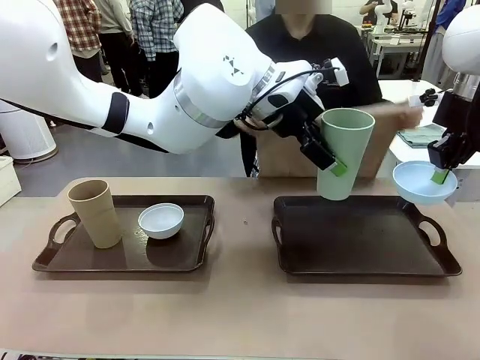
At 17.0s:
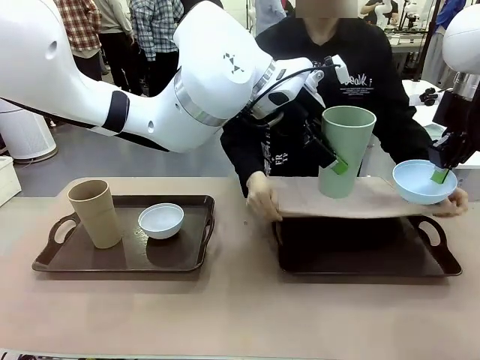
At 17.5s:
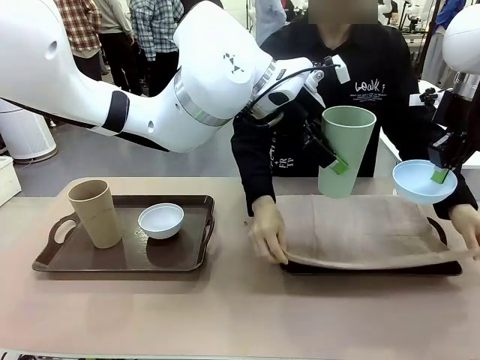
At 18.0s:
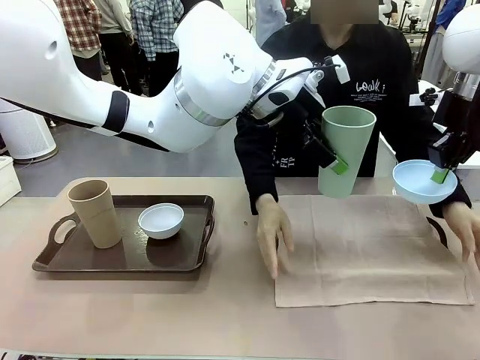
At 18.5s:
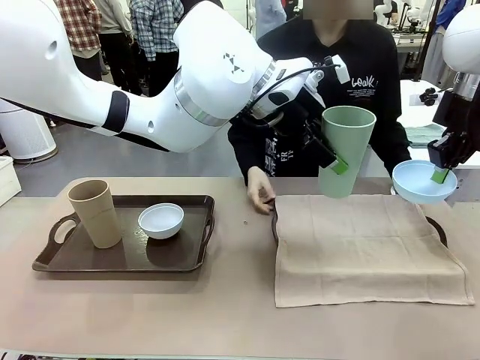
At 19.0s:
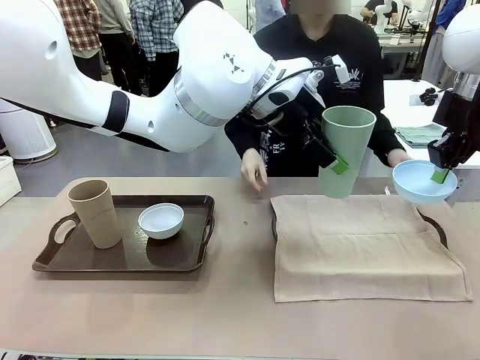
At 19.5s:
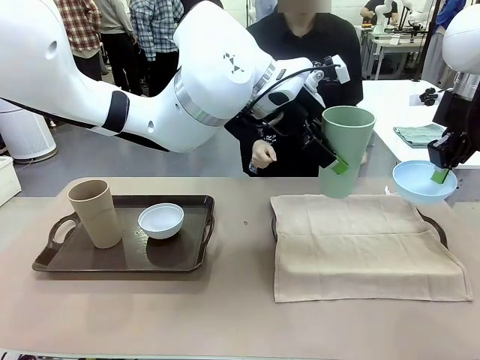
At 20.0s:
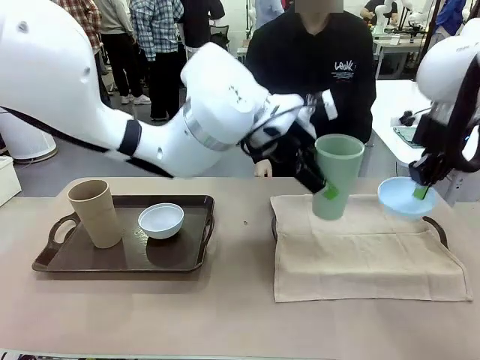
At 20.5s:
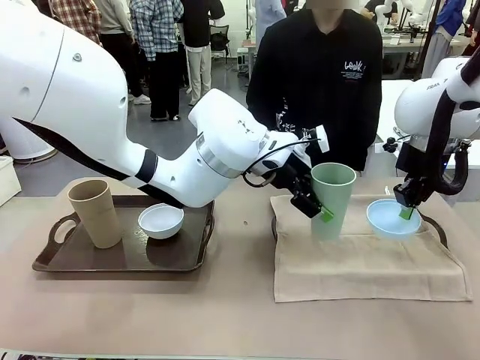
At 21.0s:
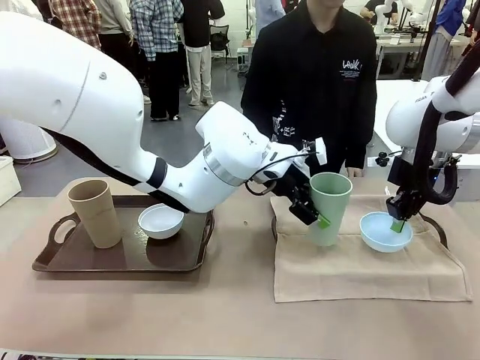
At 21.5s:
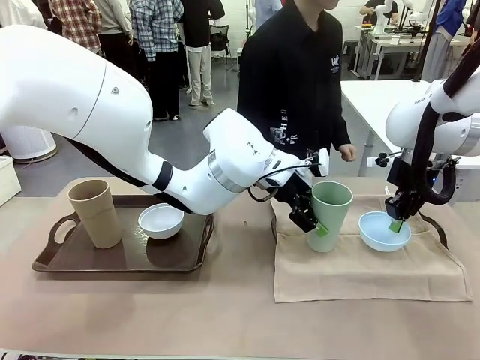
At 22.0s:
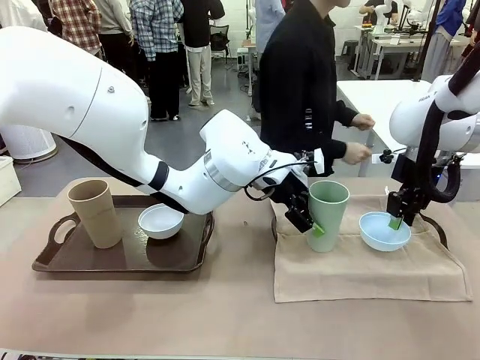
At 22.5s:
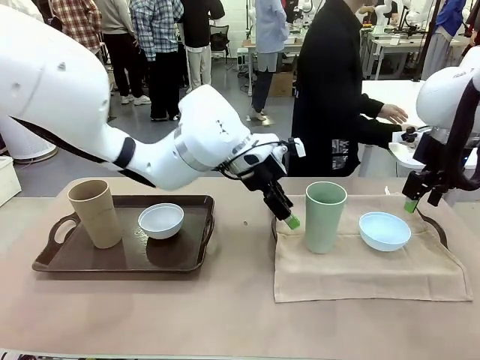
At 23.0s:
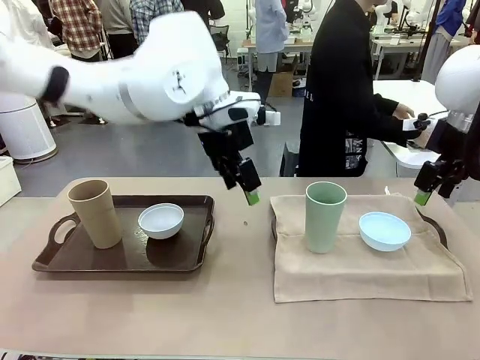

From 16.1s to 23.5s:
Robot: Place the Picnic Bowl and Reusable plastic cup back onto the Handle tray in front of the human's position.

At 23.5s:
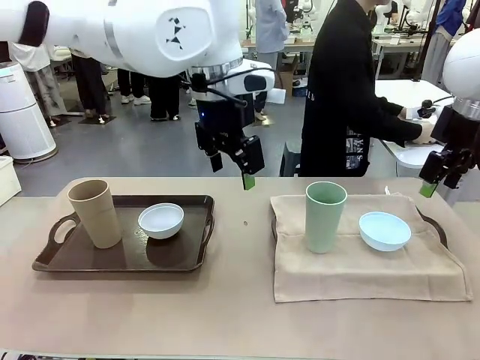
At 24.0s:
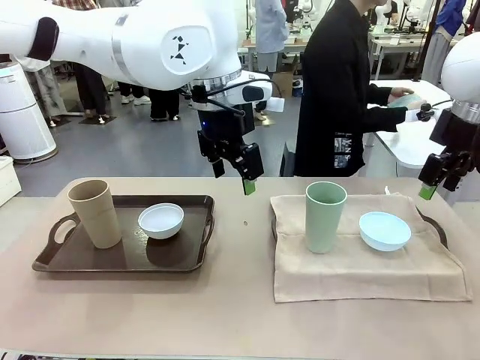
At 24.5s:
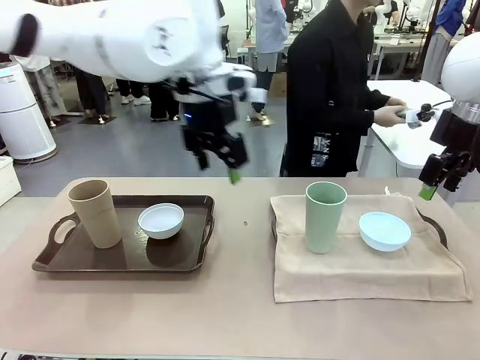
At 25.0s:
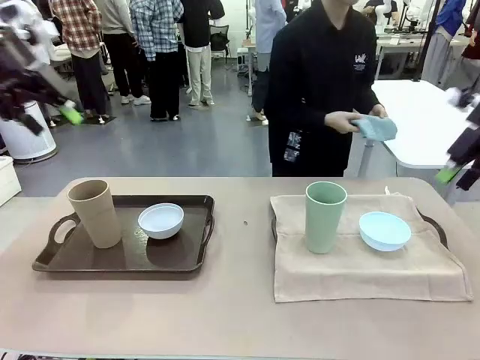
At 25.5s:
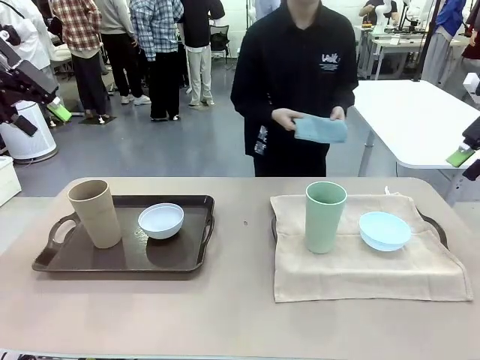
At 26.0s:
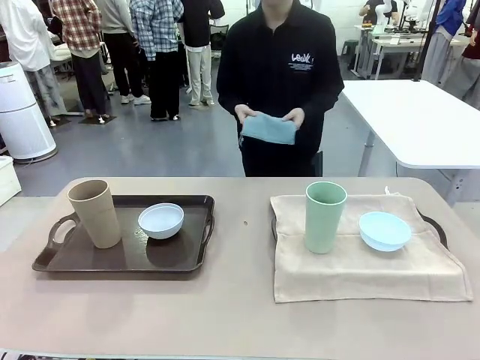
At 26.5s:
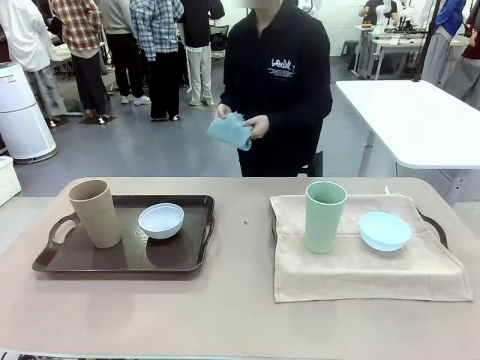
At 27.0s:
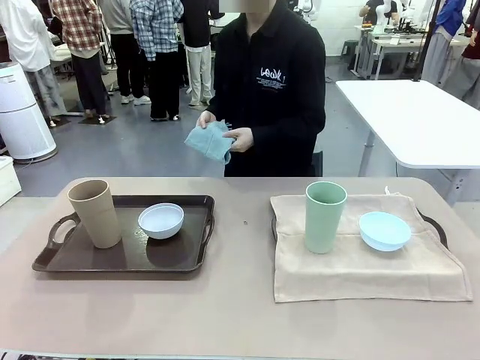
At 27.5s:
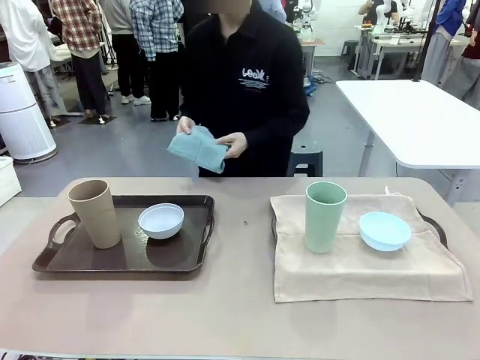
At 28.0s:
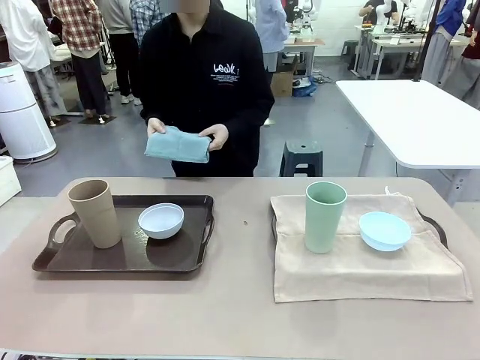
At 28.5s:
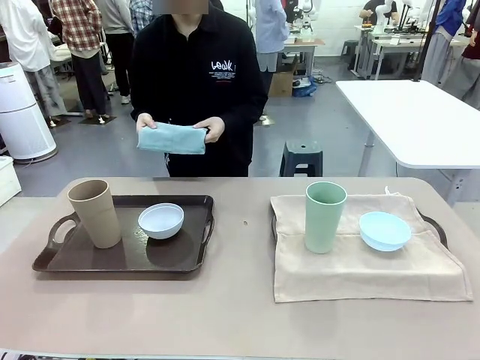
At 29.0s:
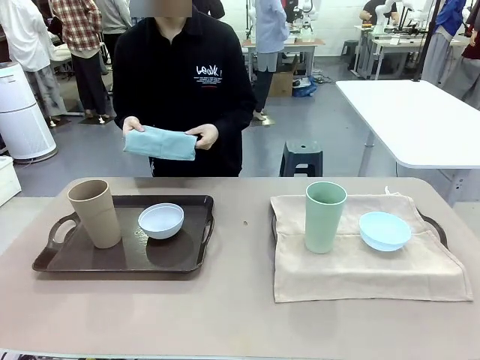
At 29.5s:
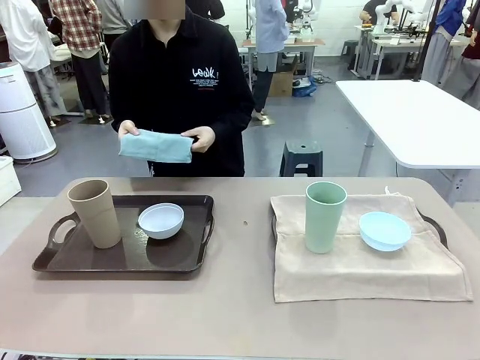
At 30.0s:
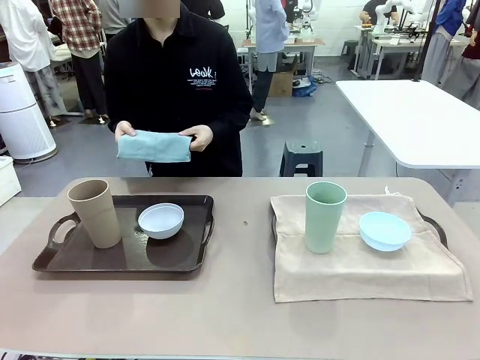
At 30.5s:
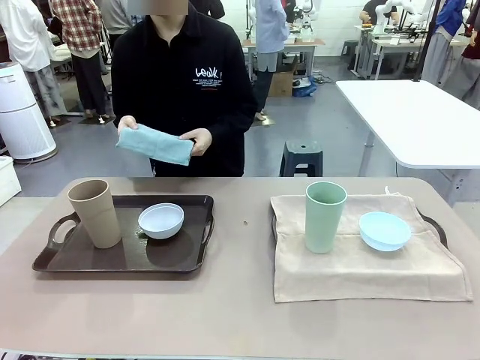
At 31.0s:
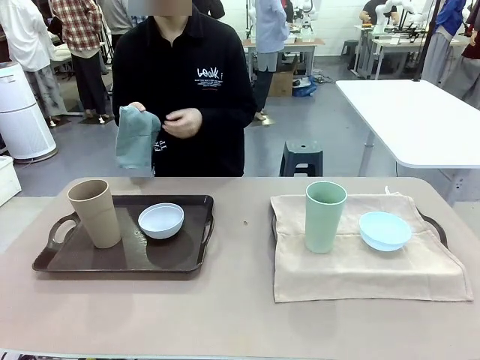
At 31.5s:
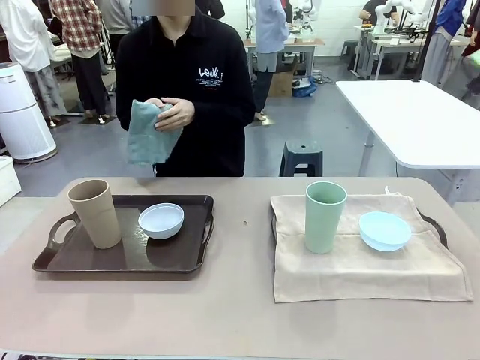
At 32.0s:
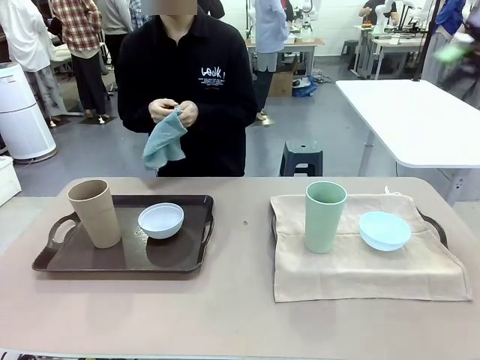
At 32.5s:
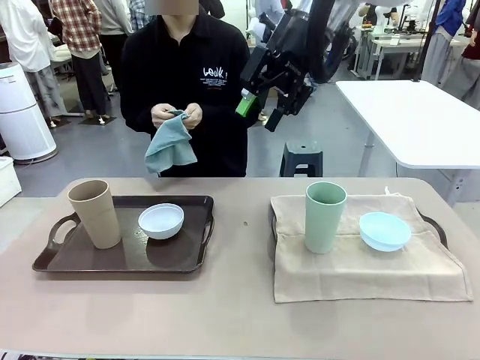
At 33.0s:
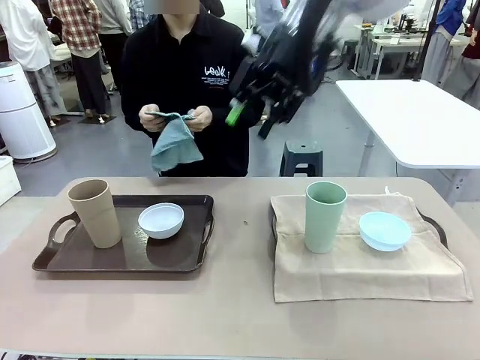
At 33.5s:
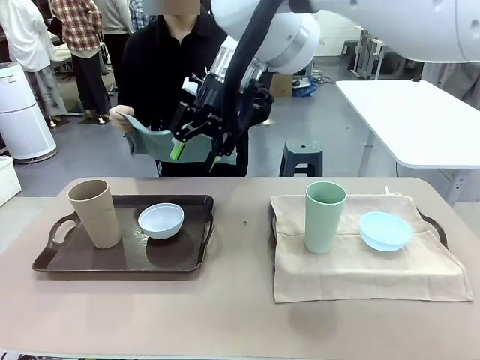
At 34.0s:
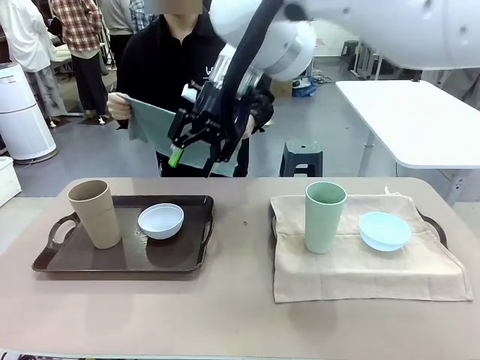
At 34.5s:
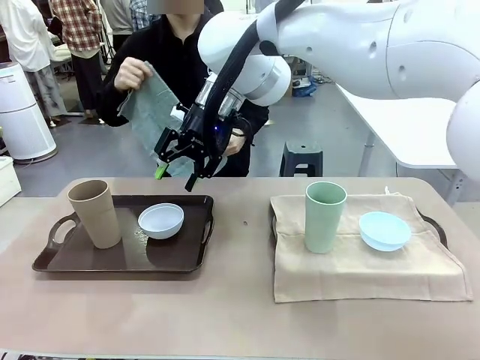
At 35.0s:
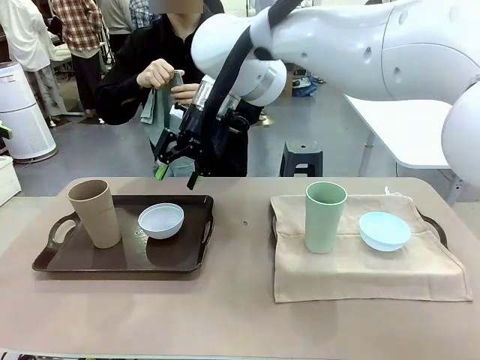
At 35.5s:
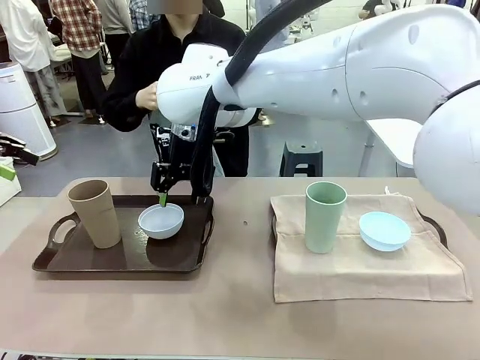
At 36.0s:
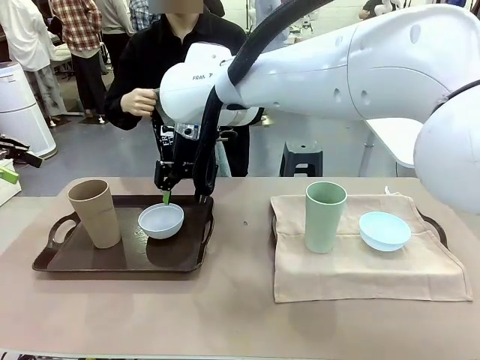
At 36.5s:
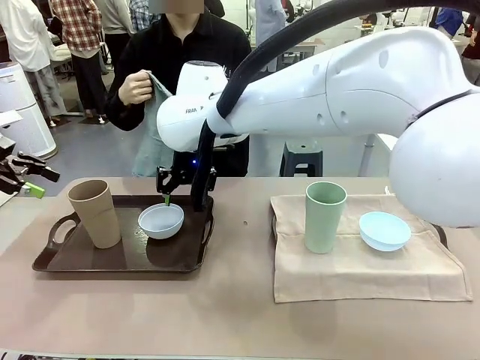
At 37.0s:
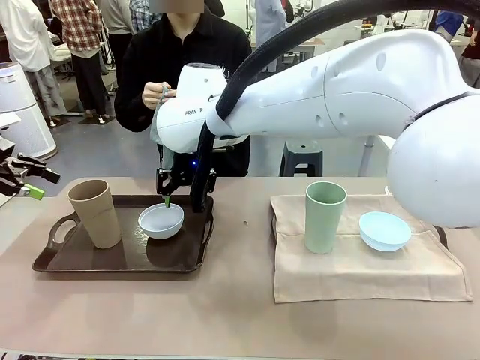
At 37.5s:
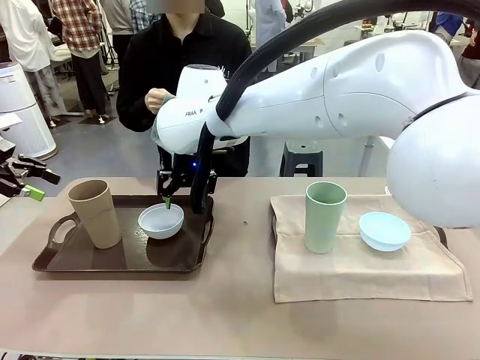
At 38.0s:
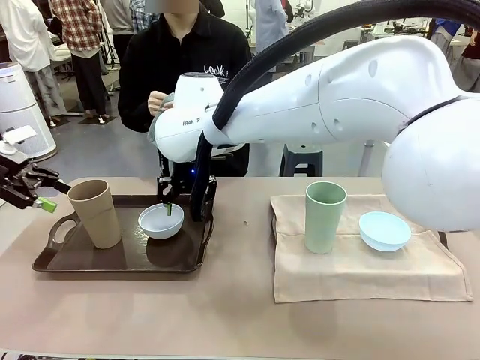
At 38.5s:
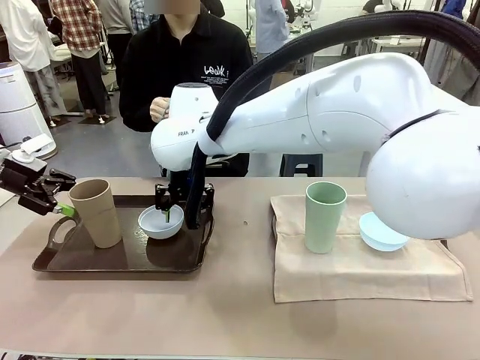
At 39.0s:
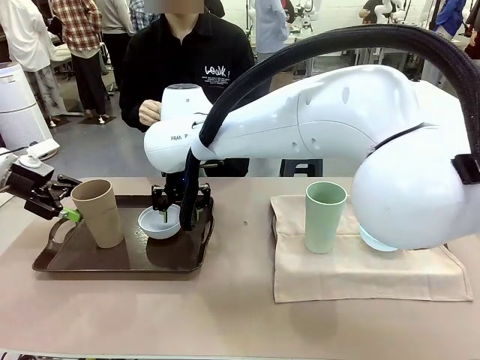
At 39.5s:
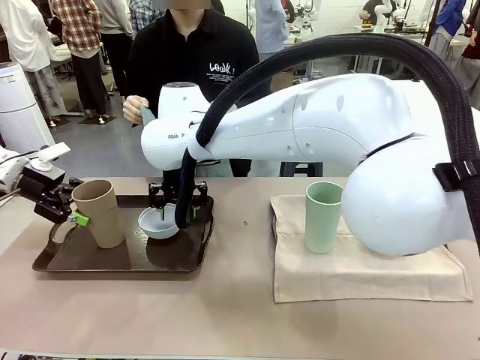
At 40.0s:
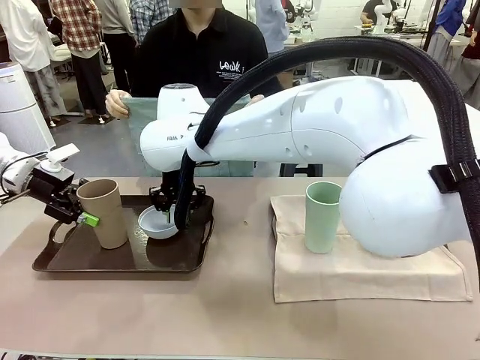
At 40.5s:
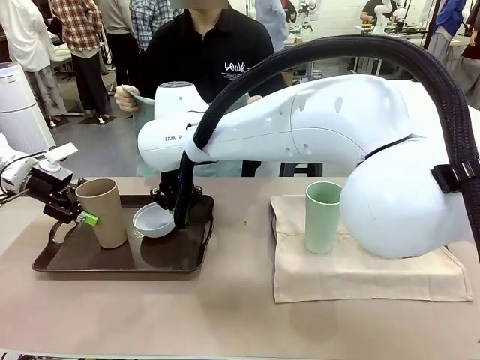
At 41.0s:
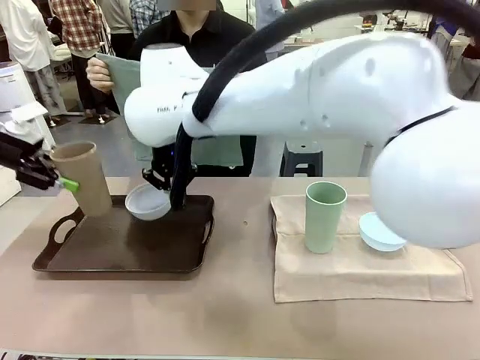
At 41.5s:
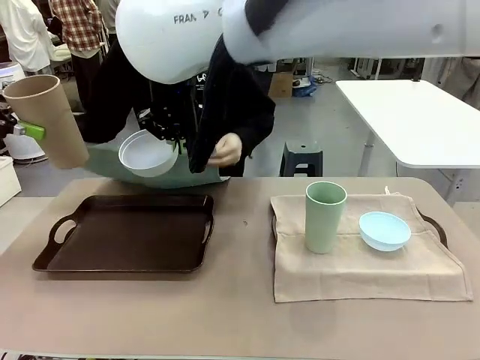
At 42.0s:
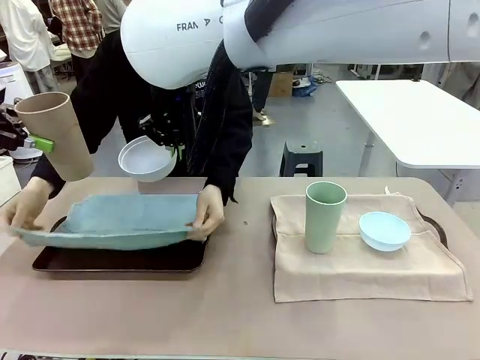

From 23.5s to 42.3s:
Robot: Pick up the Picnic Bowl and Reusable plastic cup from the Handle tray in front of the human's position and hold them in the air.
Person: The human returns to the human table to pick up another napkin and walks to the robot table to stand in front of the tray without a napkin. When the robot lifts the bowl and the cup, the human unfolds the napkin and lays the napkin flat on the tray.
